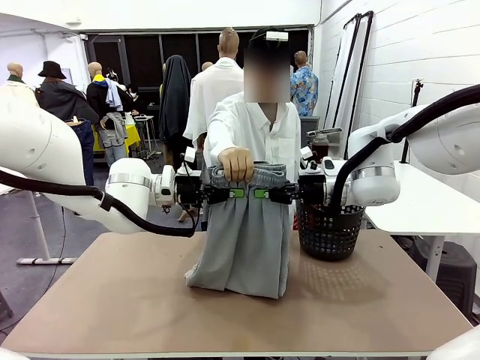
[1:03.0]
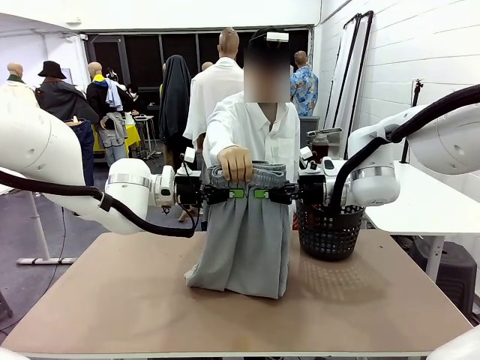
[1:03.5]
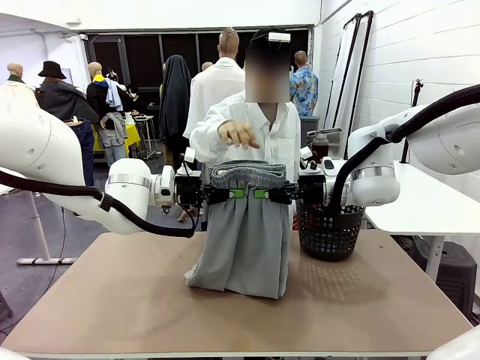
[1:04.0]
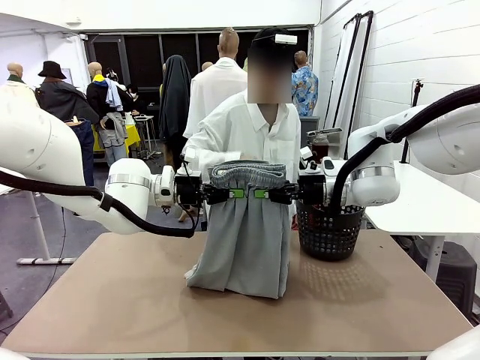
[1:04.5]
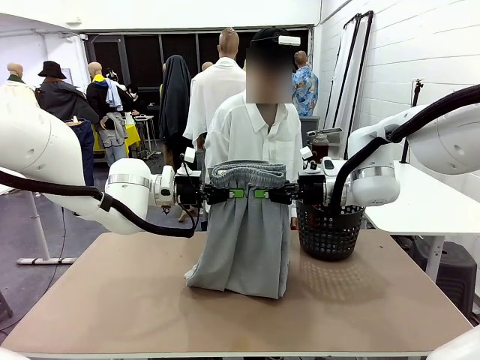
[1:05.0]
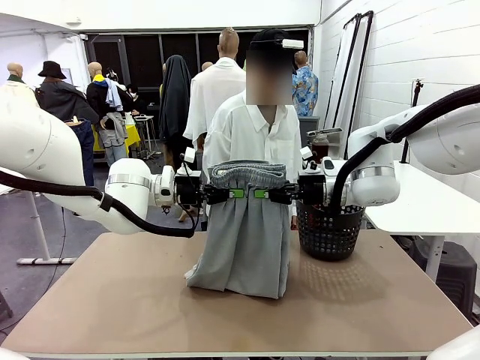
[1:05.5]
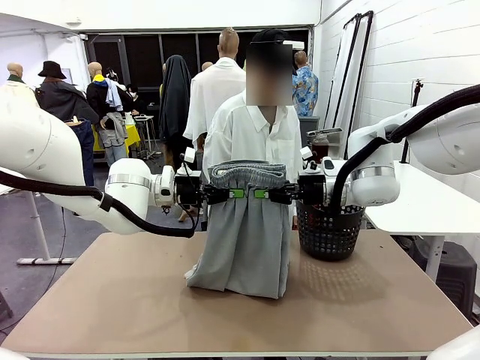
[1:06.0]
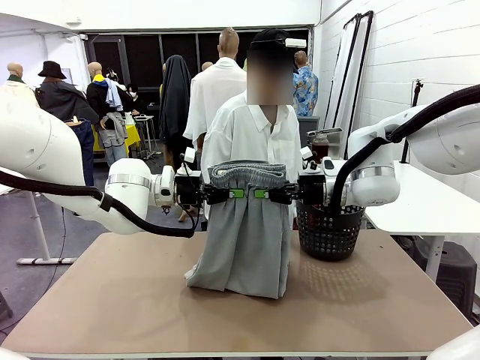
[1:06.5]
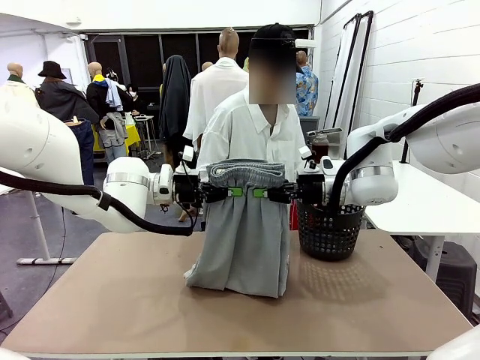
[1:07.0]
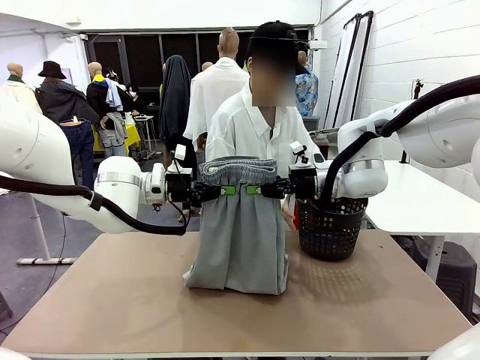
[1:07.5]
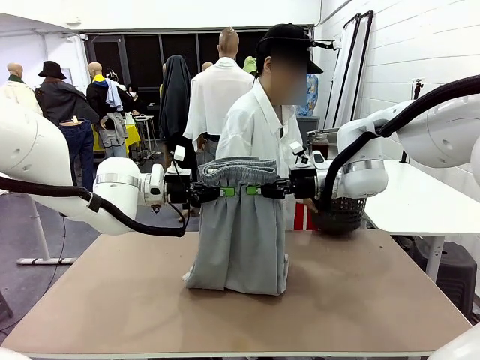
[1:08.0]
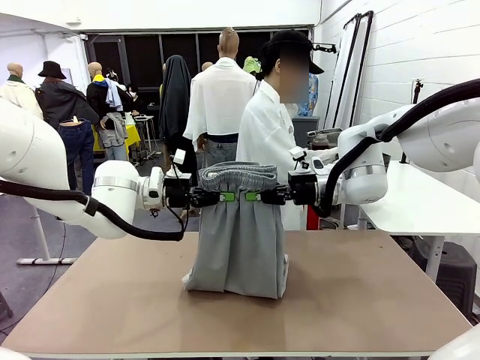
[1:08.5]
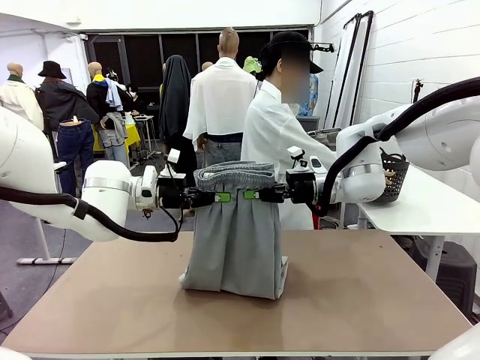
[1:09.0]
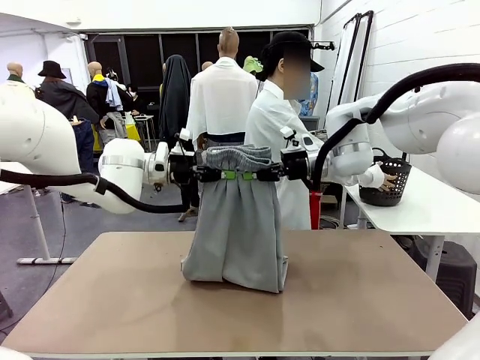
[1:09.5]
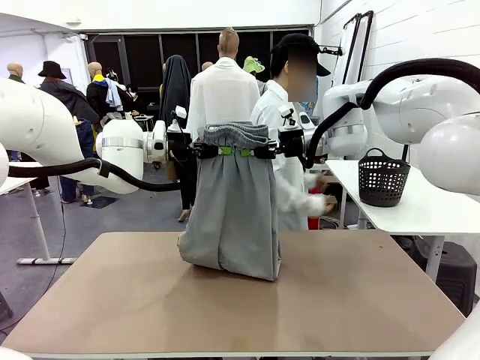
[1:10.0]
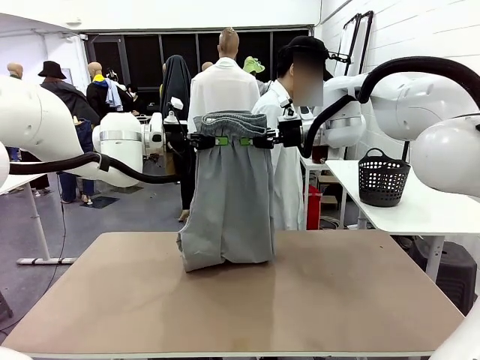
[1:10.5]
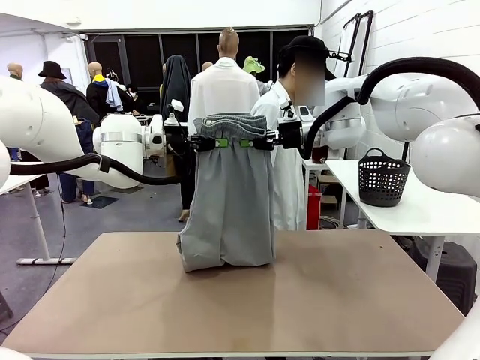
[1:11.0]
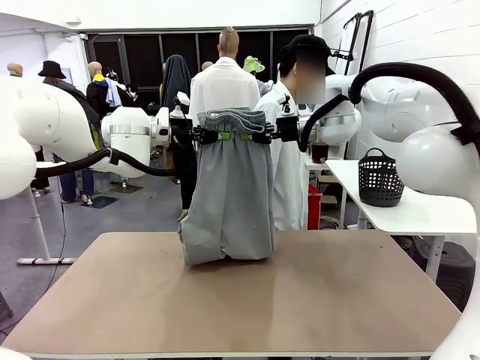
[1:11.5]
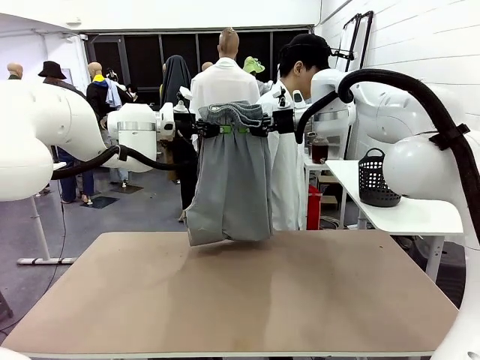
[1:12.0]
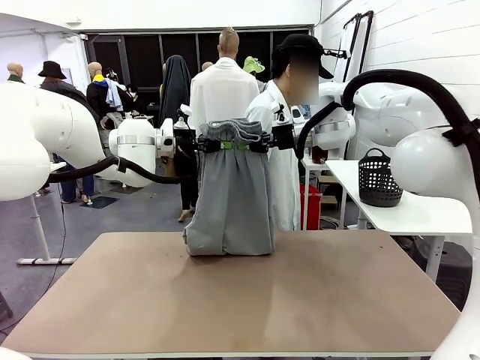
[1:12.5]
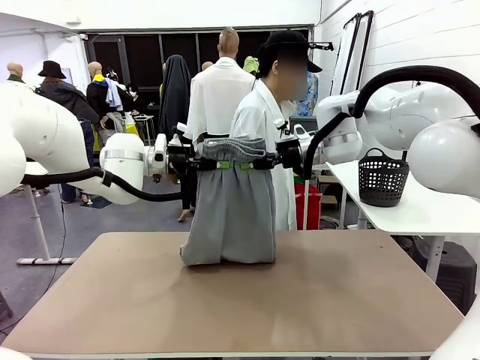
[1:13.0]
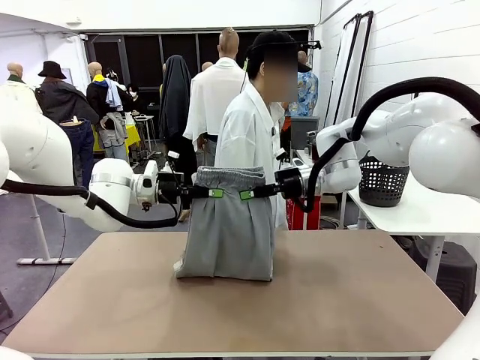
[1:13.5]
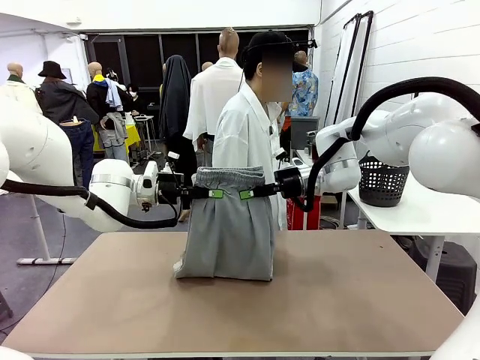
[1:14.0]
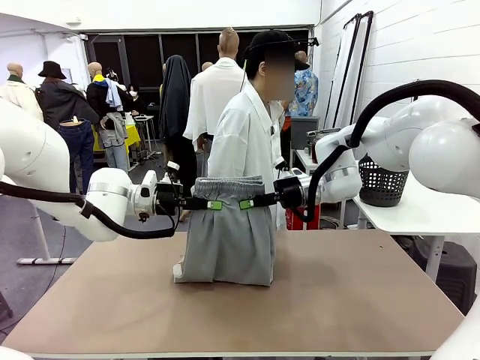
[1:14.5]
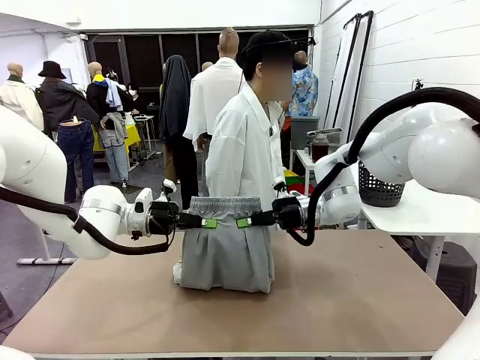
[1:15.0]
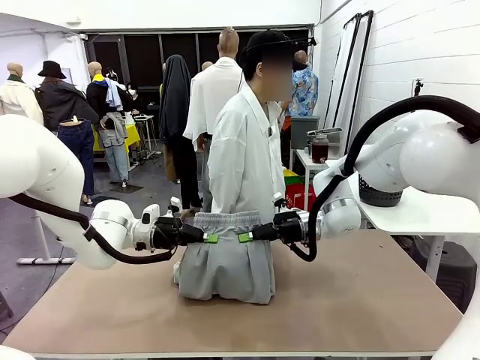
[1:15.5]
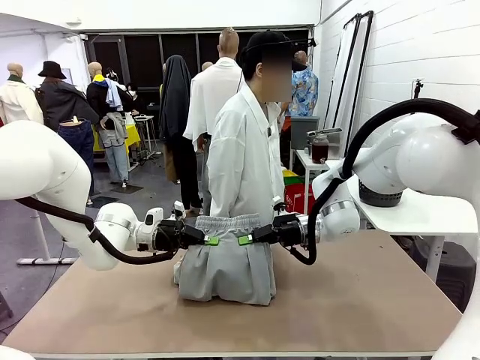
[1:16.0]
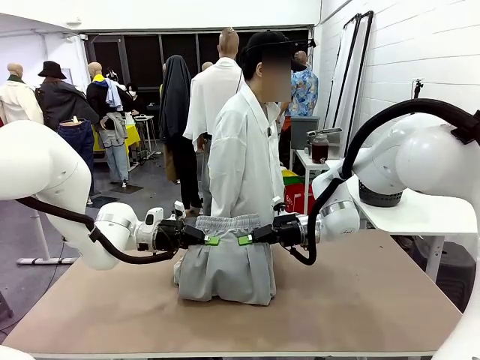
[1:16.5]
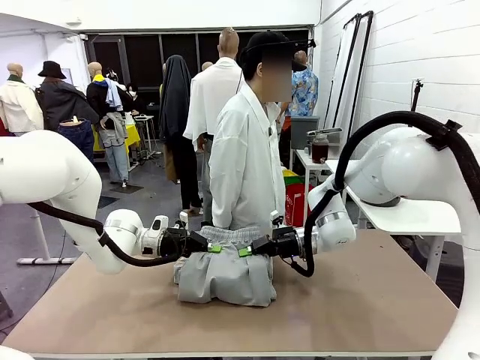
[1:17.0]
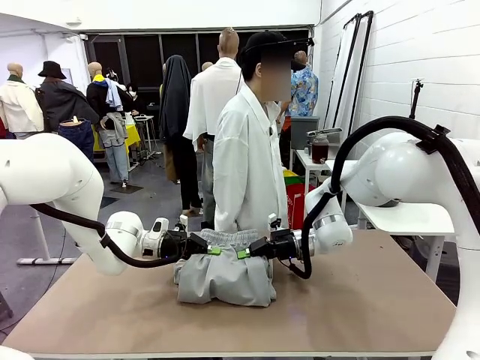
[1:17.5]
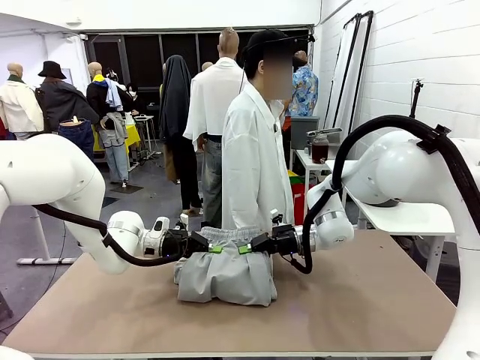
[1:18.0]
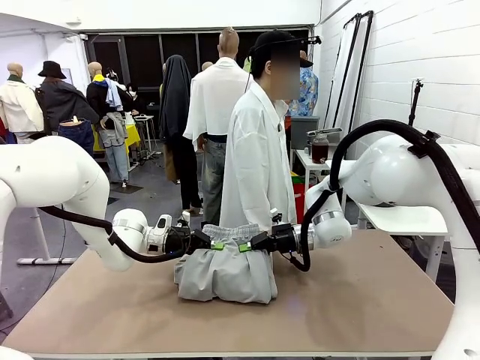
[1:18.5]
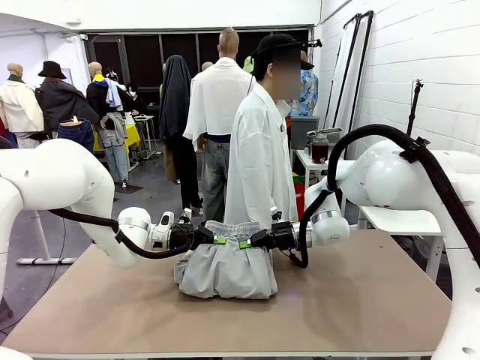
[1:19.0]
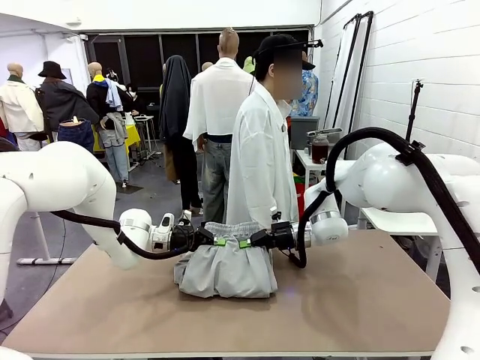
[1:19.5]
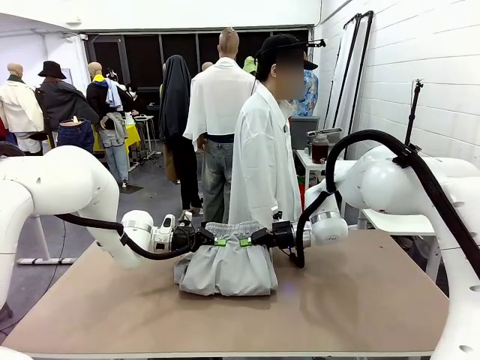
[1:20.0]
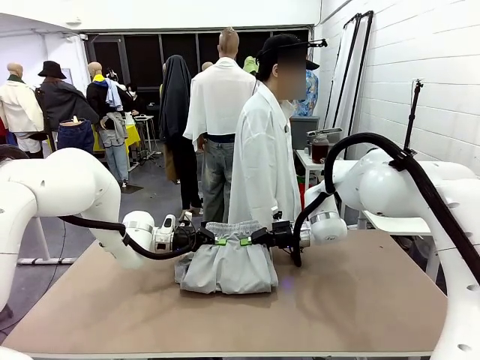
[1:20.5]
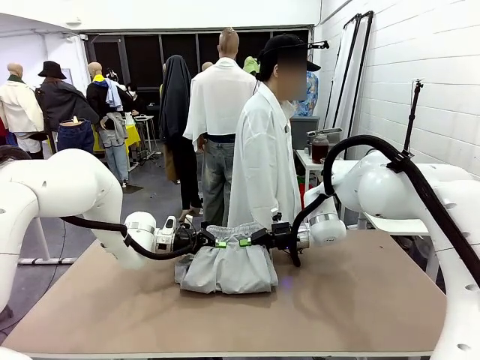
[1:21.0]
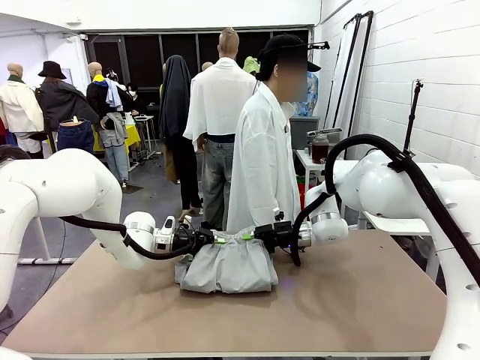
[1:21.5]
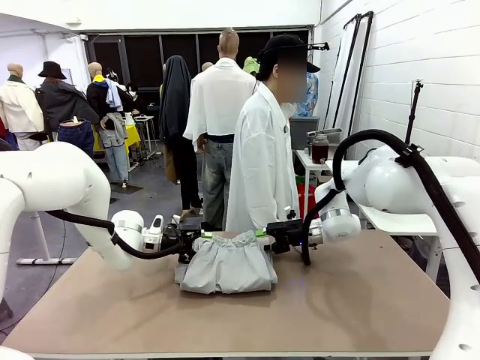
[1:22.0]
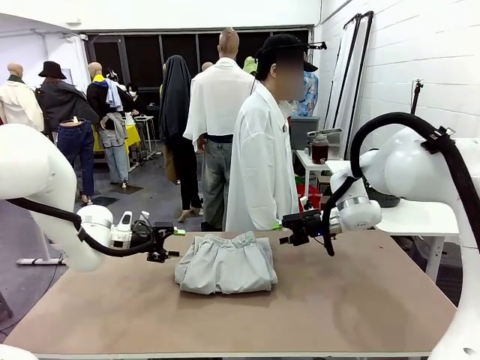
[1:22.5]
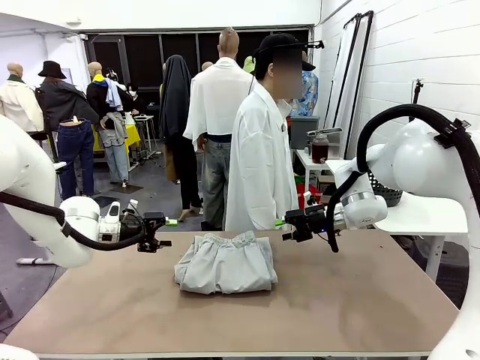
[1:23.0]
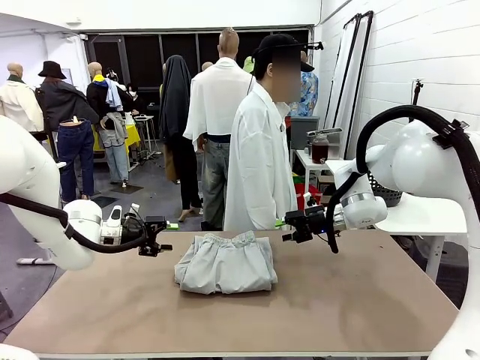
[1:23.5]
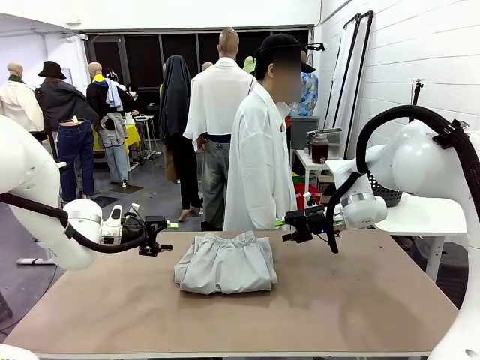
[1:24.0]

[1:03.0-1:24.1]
Task: Fold the training pants.
Robot: Fold the Training pants in half.
Person: Move the laundry basket to the right of the human table.

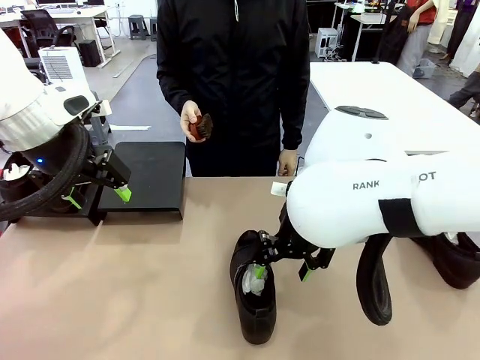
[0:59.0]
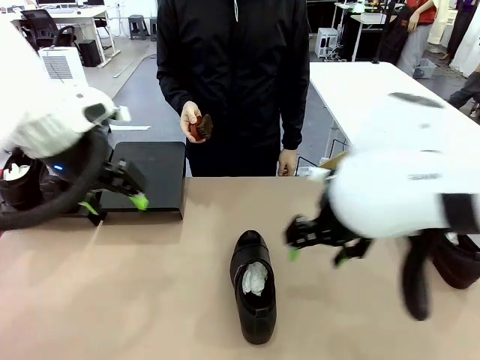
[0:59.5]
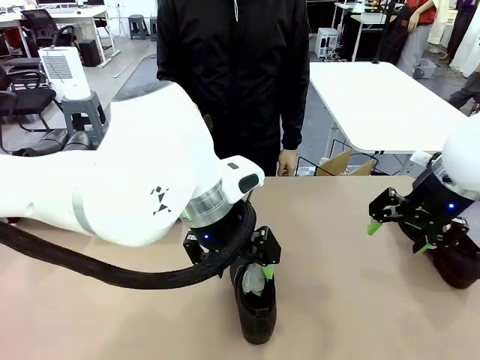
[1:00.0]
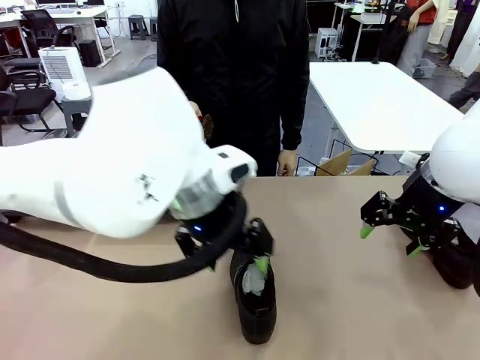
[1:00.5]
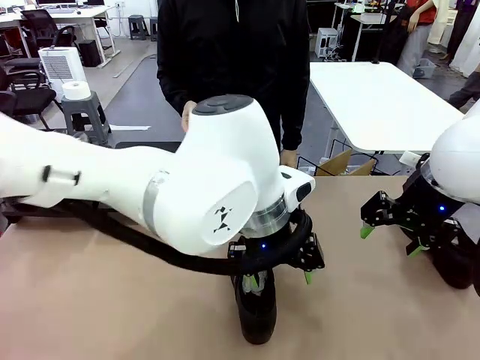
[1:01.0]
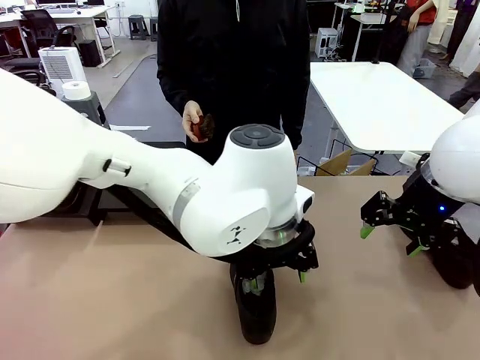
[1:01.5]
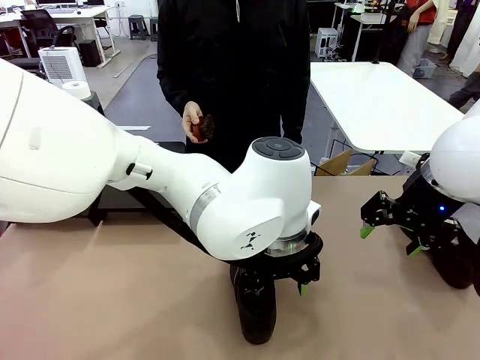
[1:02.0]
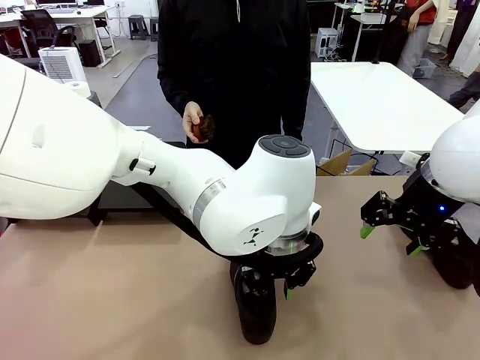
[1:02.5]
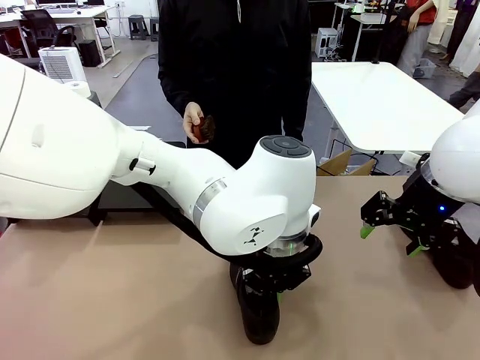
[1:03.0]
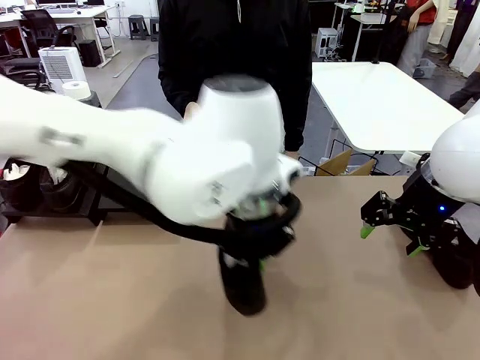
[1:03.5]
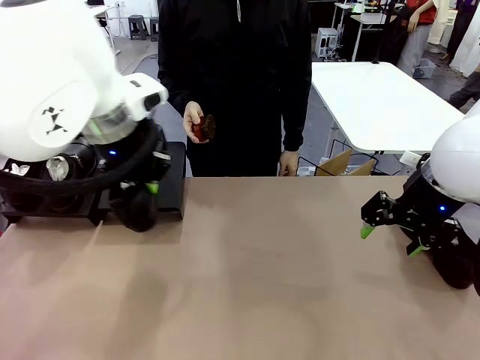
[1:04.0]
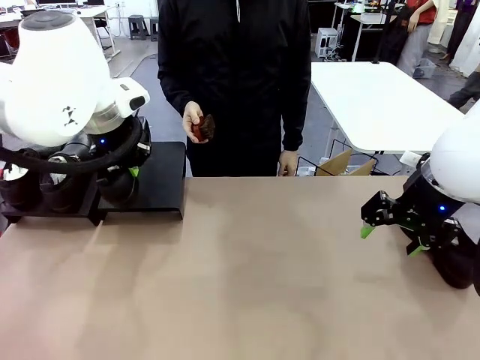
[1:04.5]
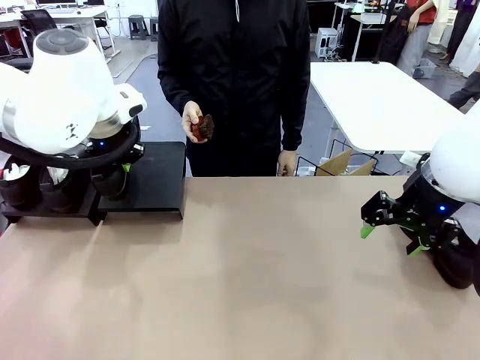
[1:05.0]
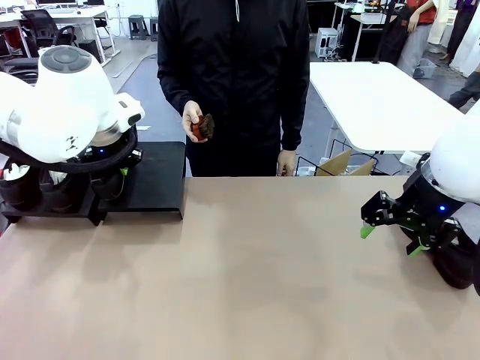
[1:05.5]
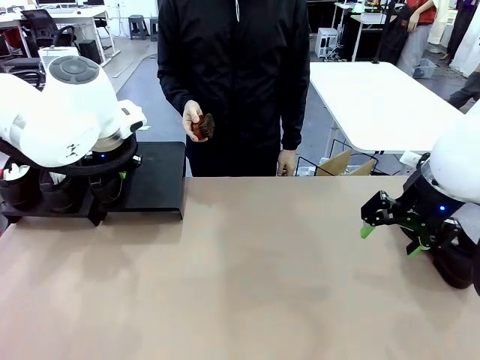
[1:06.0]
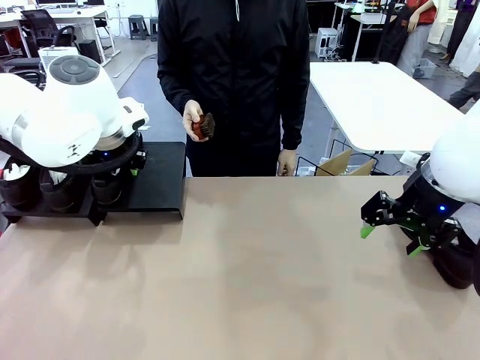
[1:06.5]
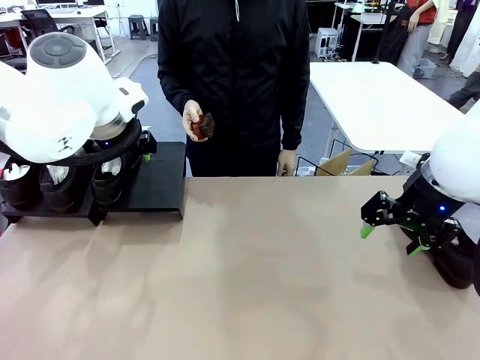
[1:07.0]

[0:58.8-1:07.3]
Task: Organize the shoes by placing them on the stand.
Robot: Place the Shoe from the middle of the table onto the Shoes Stand.
